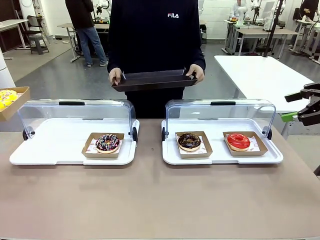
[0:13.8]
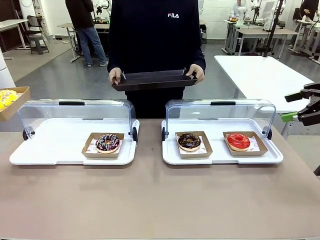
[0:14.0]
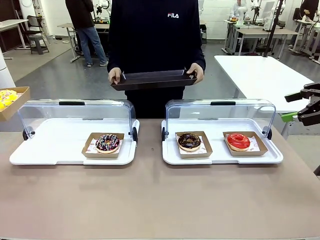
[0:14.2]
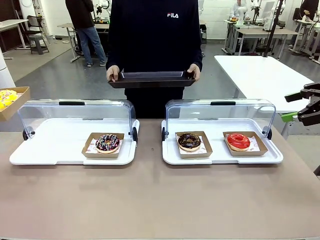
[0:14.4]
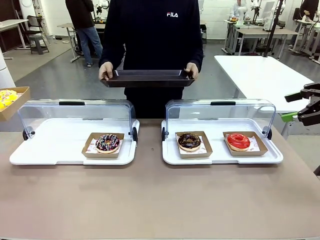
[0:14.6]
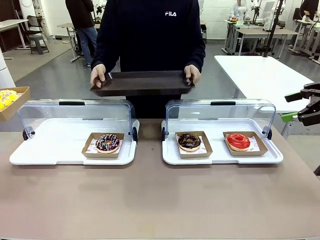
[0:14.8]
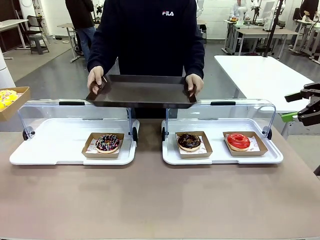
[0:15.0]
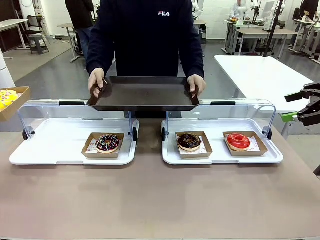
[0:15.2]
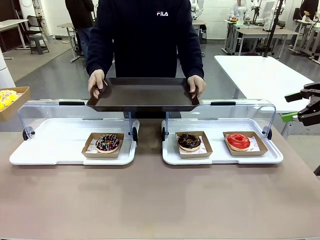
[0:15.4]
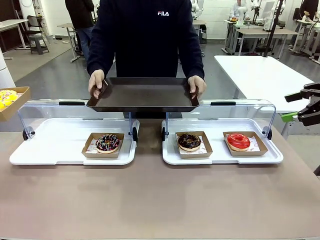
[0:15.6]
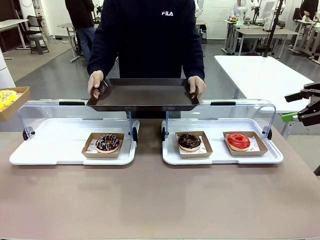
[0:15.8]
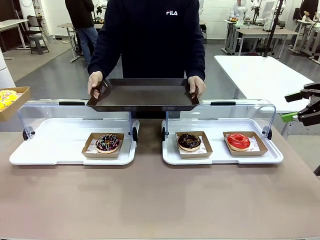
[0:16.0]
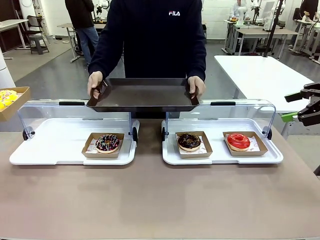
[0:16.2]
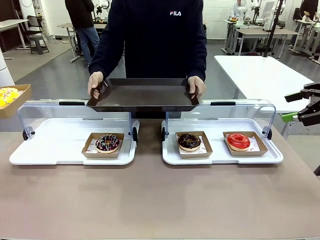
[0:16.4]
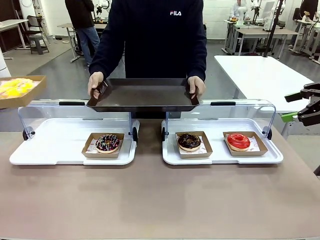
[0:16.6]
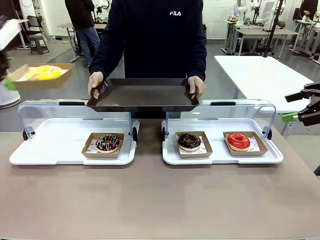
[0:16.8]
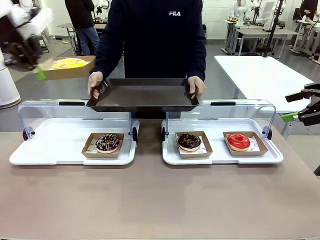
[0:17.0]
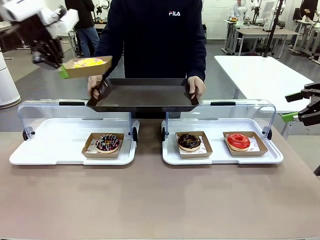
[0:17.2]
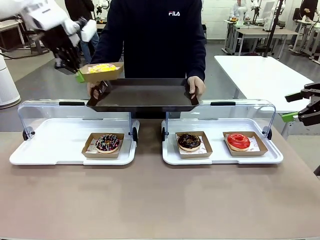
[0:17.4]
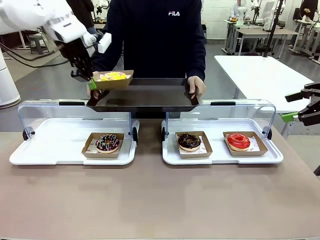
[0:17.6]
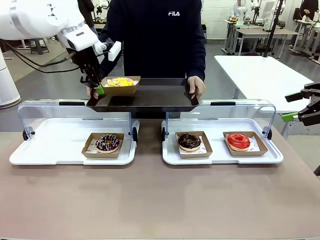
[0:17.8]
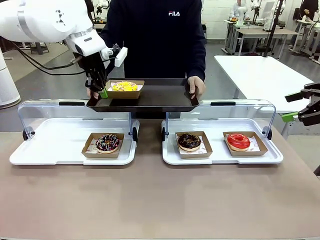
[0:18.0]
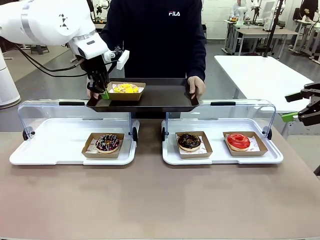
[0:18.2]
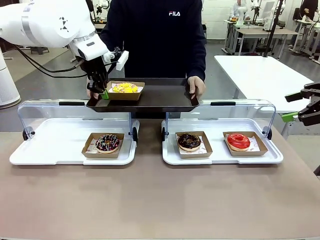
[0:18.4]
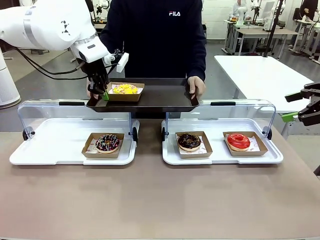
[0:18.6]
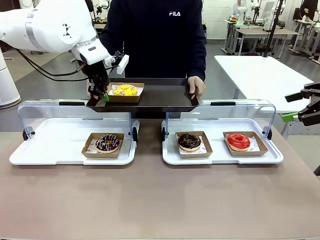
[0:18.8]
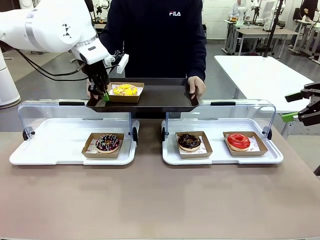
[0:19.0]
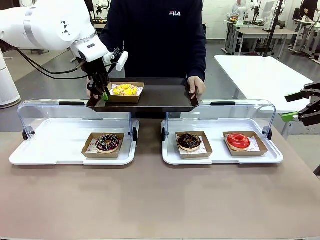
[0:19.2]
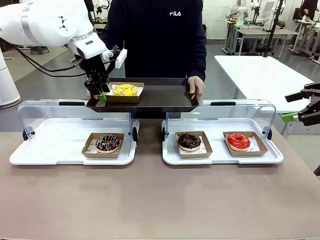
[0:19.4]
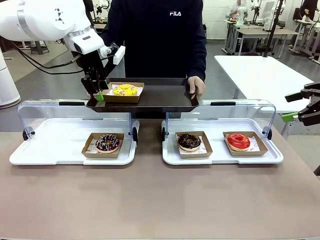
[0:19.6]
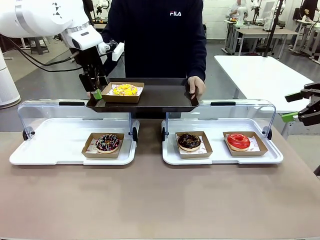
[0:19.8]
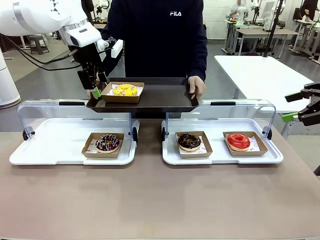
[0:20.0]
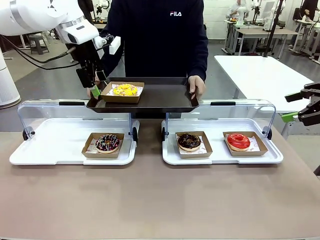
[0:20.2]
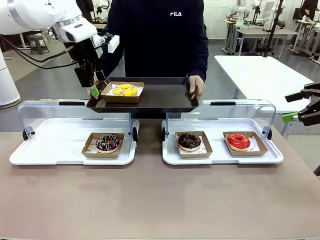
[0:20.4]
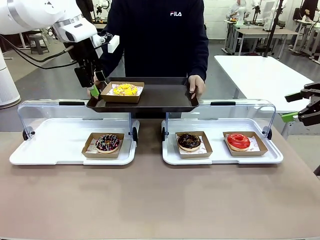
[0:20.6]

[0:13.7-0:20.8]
Task: Provide the desired donut to the person.
Robot: Place the picked Paper togo box onto the Handle tray extended by the person.

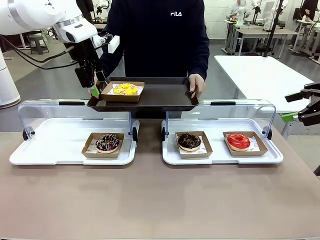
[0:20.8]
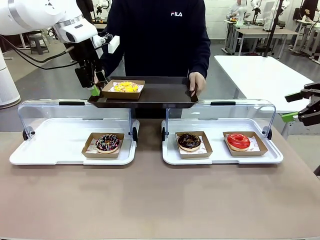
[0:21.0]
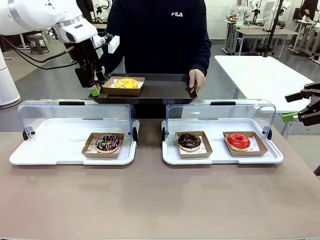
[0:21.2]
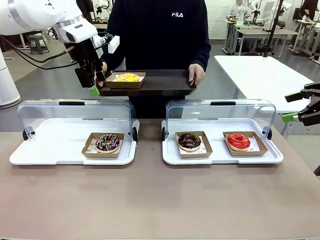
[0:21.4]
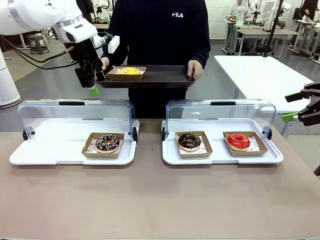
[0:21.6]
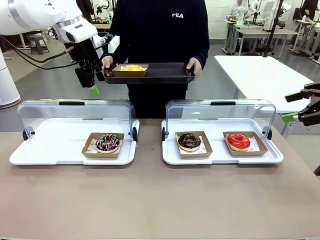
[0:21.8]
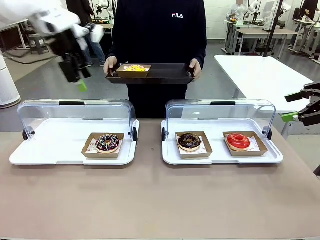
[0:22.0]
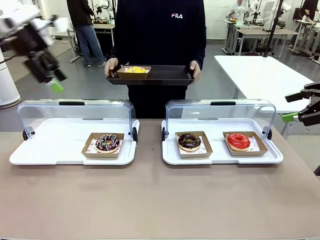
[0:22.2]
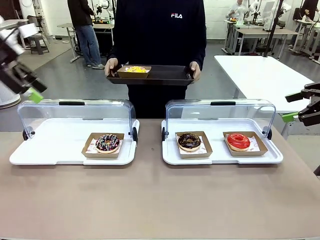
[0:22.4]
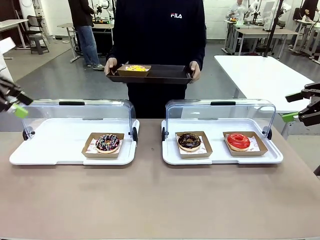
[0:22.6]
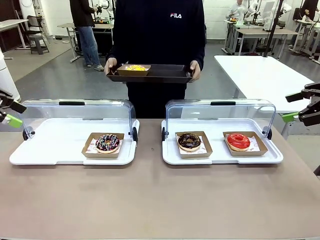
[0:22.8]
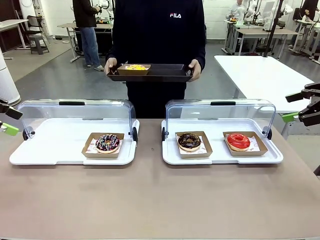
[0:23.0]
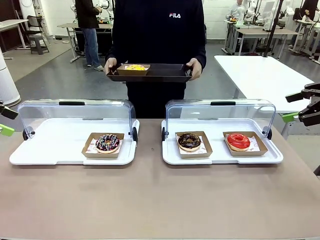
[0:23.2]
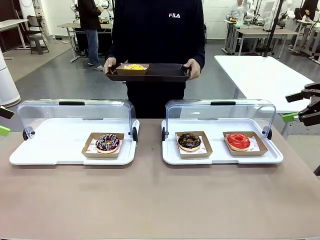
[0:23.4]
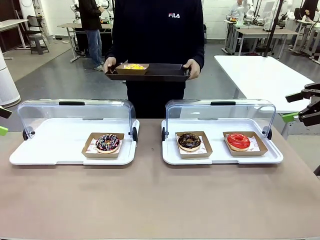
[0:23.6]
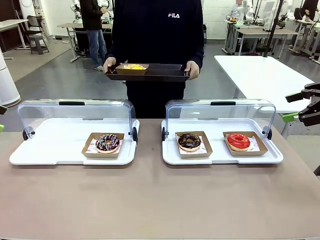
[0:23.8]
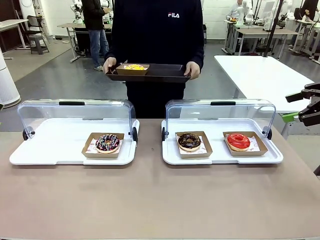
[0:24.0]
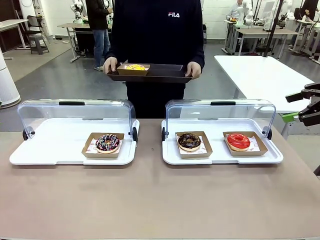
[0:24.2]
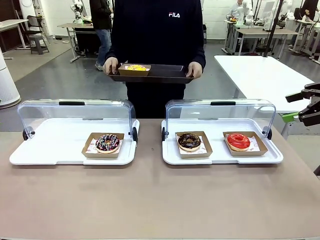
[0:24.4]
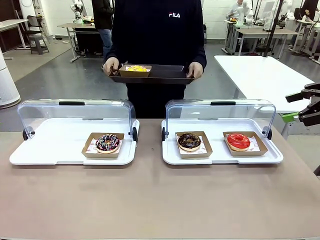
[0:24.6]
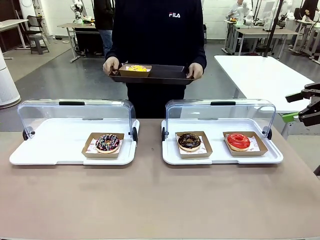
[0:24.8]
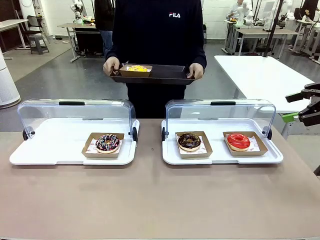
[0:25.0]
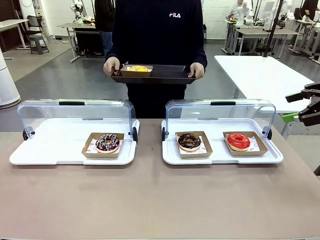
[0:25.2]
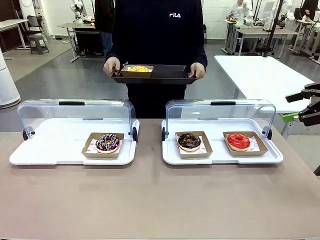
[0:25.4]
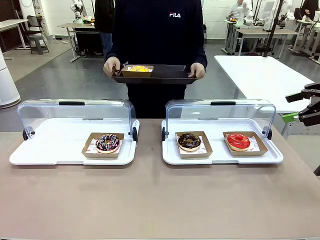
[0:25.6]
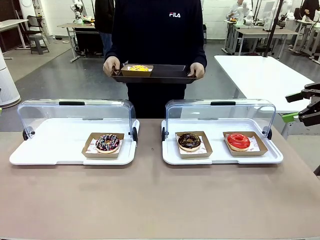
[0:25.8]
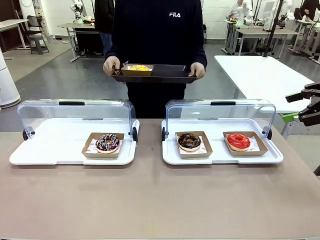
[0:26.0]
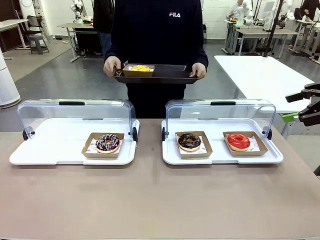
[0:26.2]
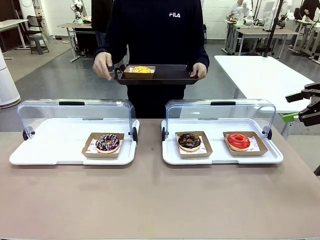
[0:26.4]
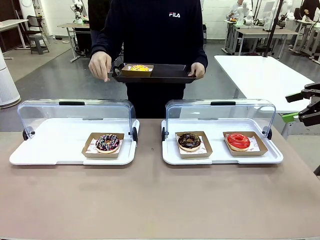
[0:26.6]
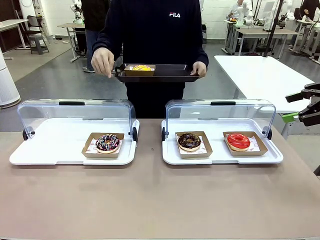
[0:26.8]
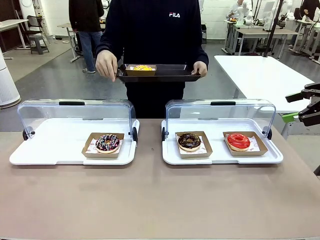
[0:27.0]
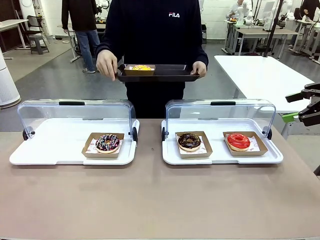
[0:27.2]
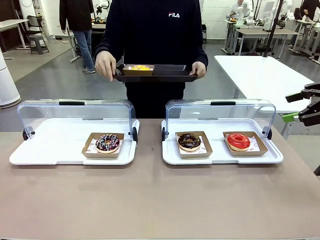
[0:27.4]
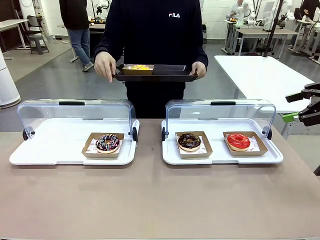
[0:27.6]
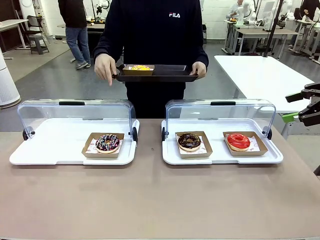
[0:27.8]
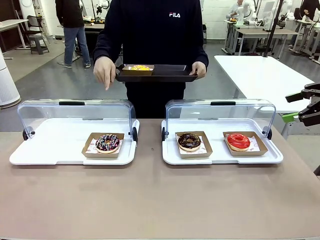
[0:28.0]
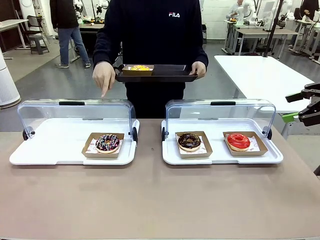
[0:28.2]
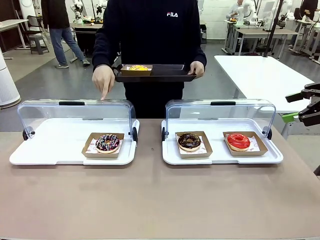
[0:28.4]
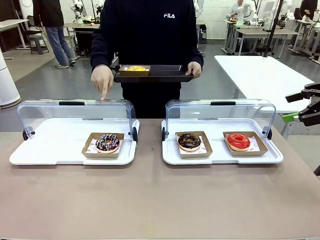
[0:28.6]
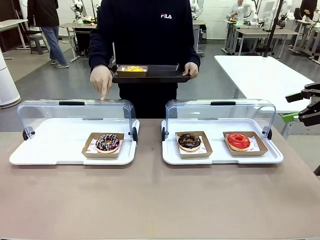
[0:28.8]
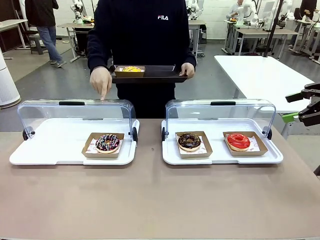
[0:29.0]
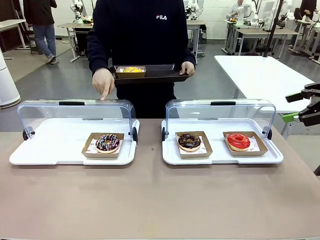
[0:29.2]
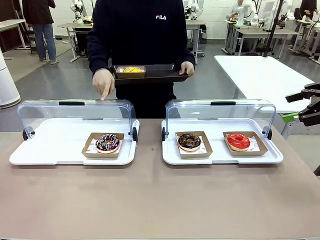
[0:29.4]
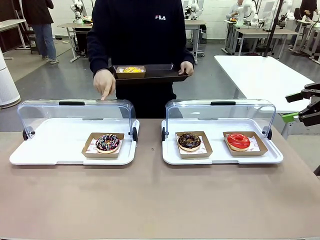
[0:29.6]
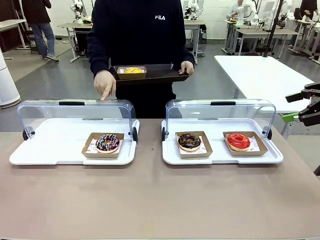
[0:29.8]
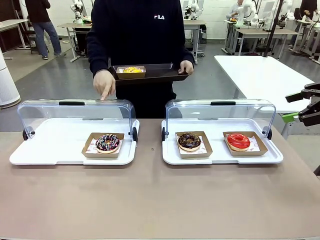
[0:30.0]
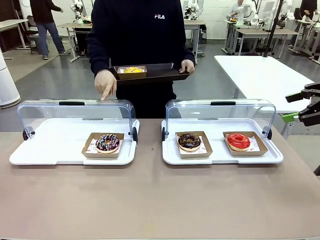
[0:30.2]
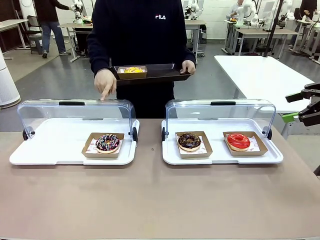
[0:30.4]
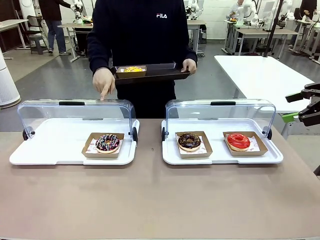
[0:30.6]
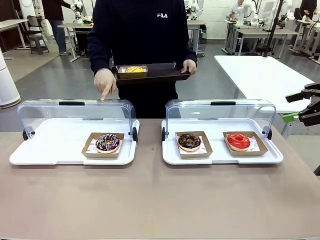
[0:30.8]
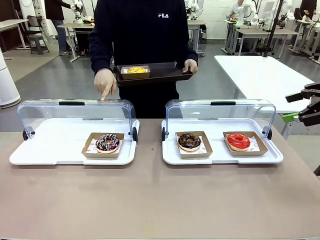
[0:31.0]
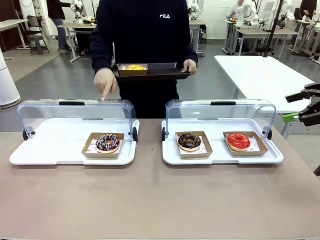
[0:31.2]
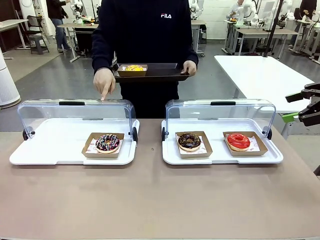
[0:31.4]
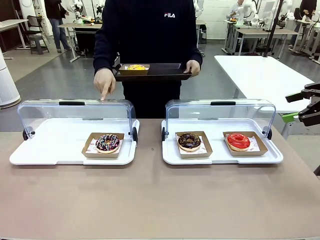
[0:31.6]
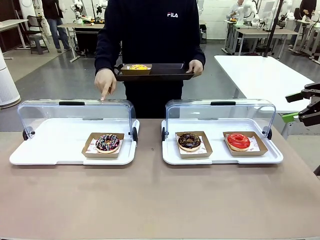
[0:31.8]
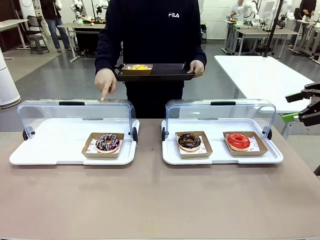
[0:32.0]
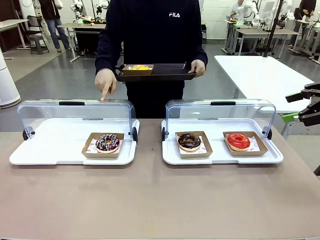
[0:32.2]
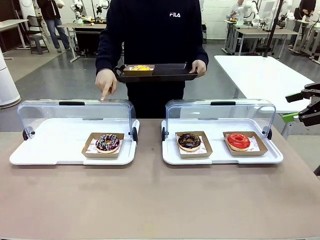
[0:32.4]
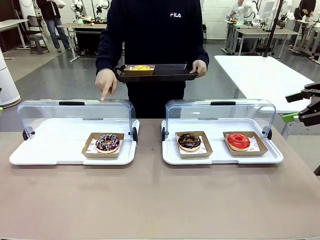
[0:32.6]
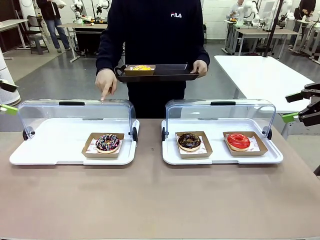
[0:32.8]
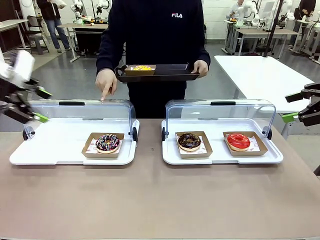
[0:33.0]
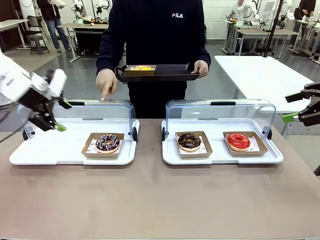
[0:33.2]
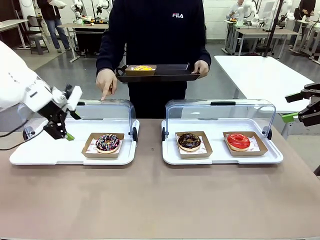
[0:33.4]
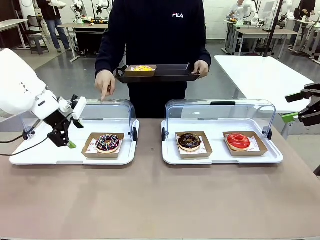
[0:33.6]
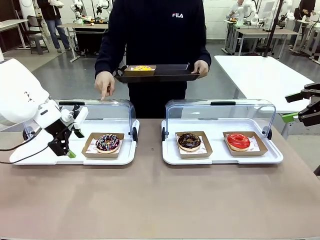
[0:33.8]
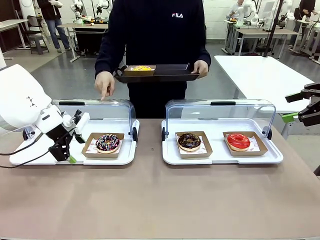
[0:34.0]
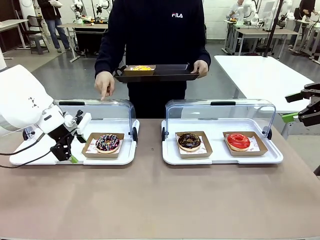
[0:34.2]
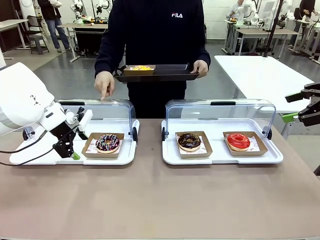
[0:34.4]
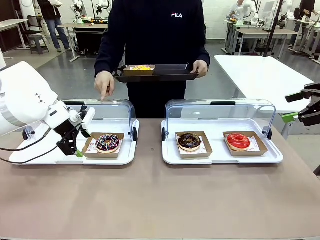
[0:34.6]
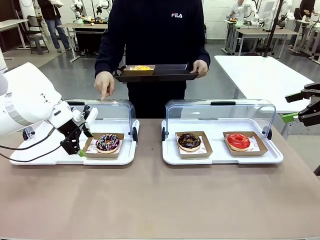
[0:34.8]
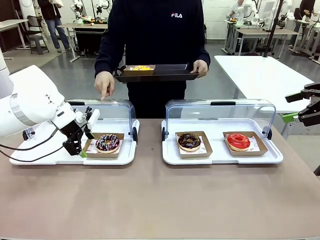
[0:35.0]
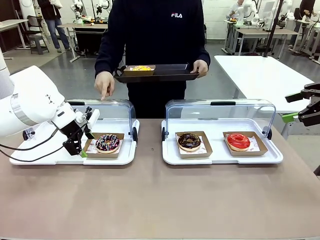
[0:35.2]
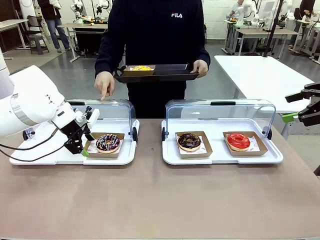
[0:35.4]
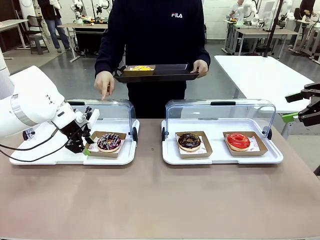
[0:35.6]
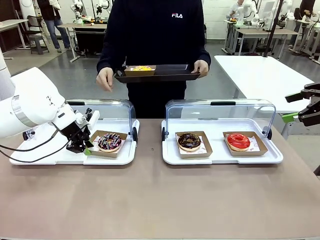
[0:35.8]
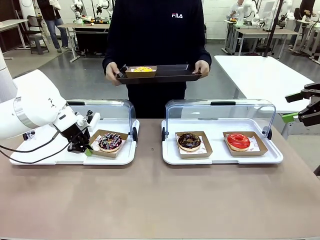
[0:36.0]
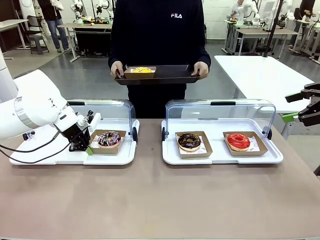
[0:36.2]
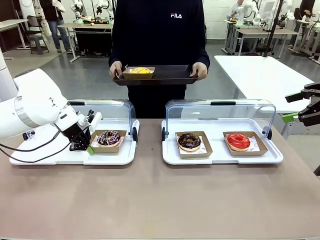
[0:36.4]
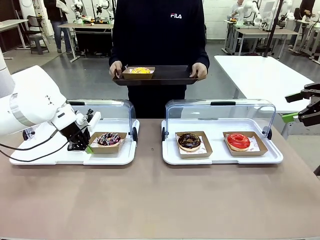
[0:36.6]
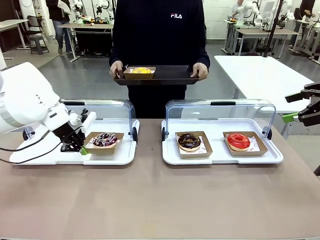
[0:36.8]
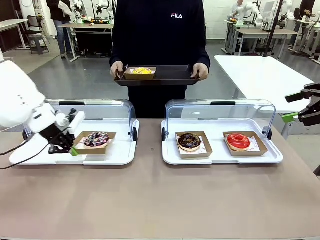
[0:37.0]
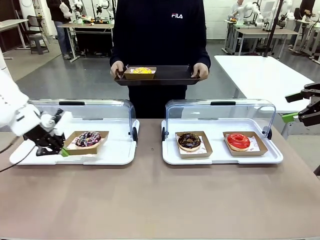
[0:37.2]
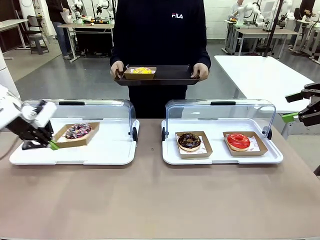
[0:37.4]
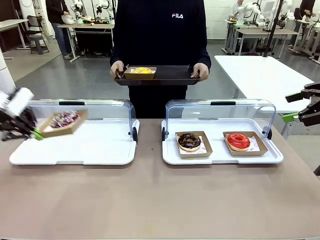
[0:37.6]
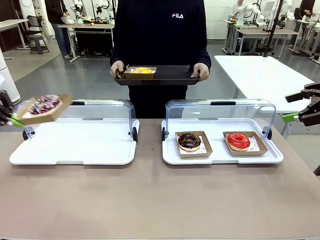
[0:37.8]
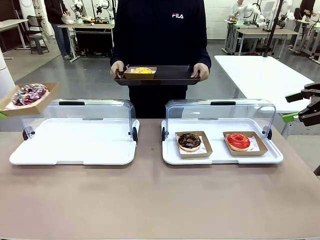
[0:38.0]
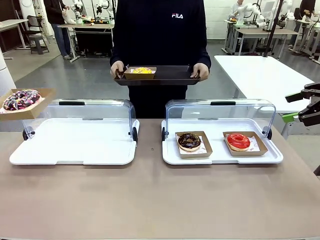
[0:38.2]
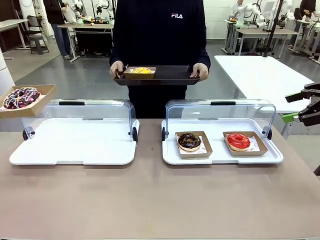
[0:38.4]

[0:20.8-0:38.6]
Robot: Pick up and lift the Paper togo box containing the Donut pointed at by the person.
Person: Point to one donut. Lift the tray onto the Roll-Top Bakery Case.
